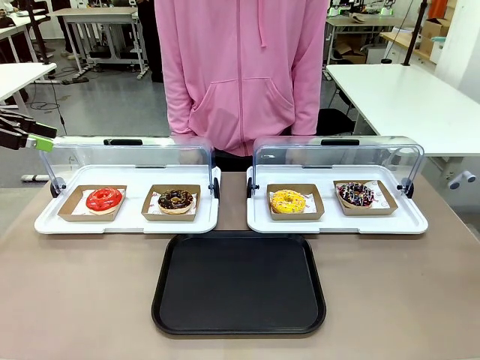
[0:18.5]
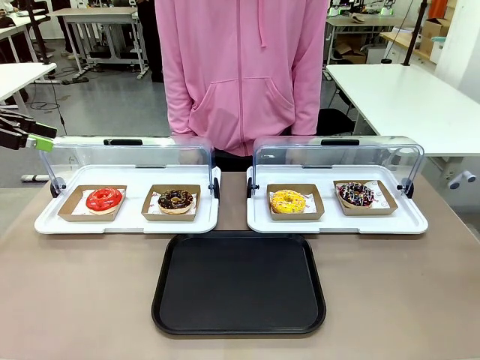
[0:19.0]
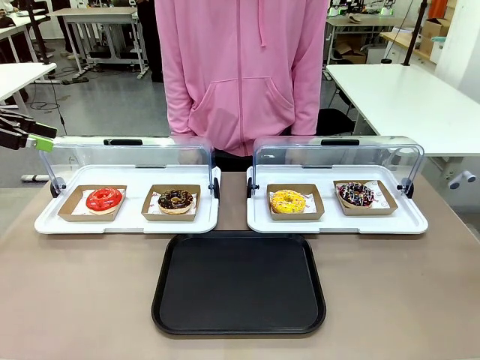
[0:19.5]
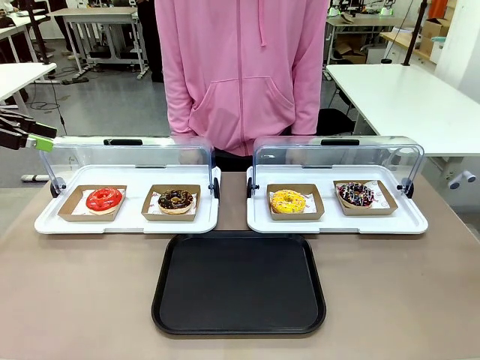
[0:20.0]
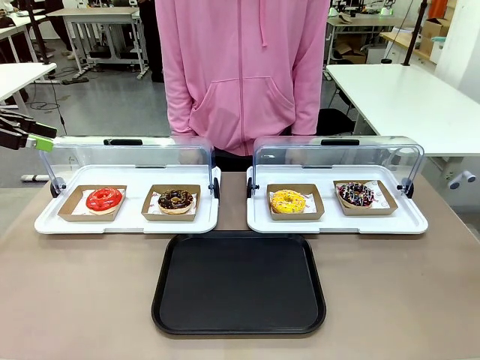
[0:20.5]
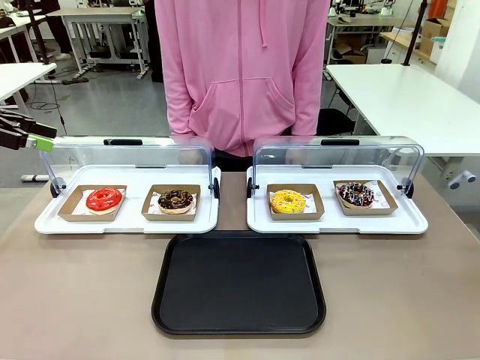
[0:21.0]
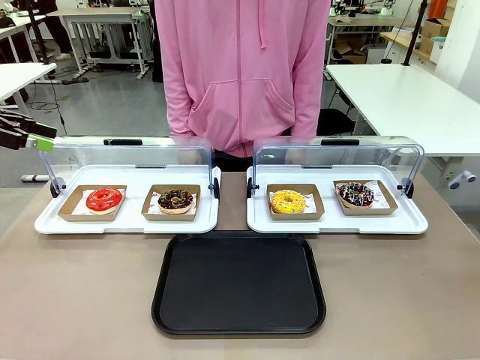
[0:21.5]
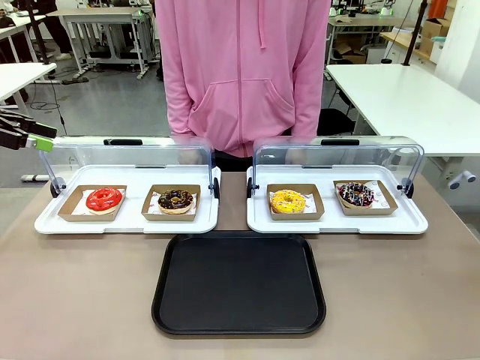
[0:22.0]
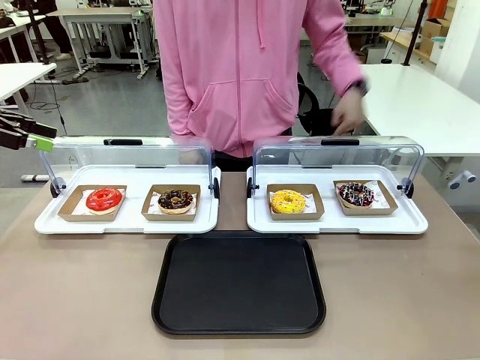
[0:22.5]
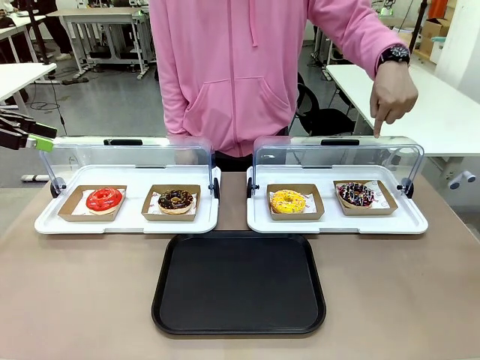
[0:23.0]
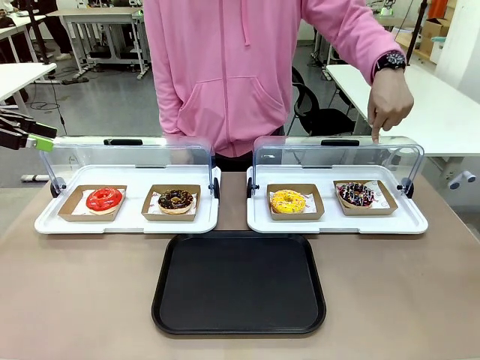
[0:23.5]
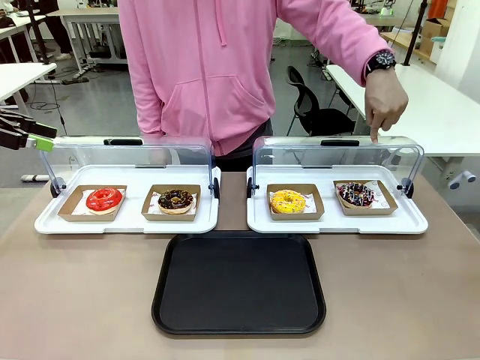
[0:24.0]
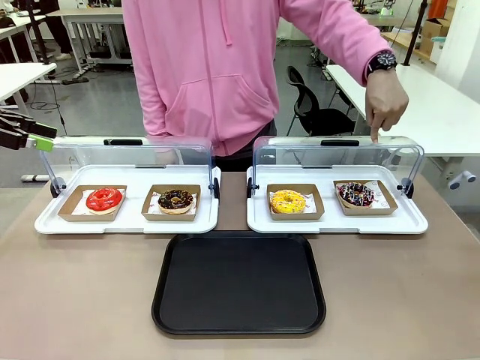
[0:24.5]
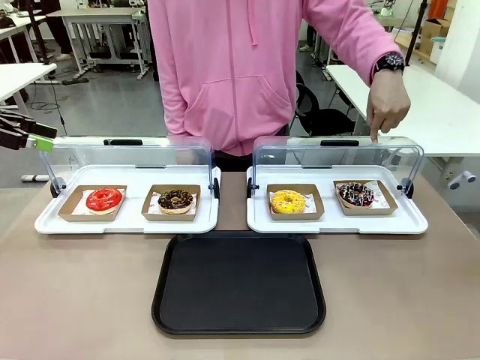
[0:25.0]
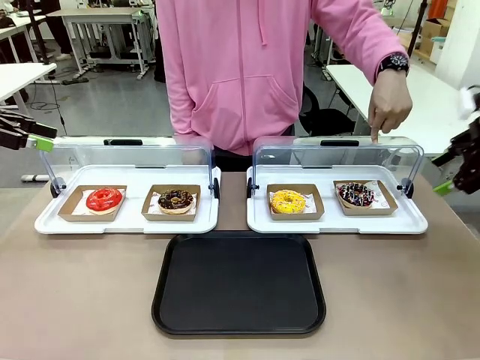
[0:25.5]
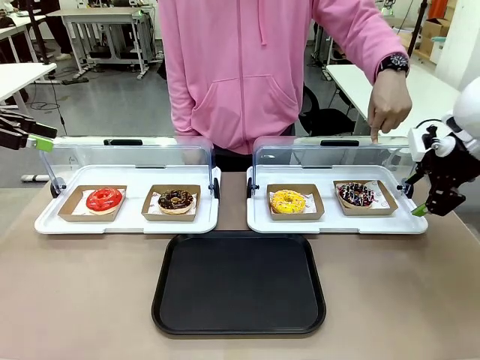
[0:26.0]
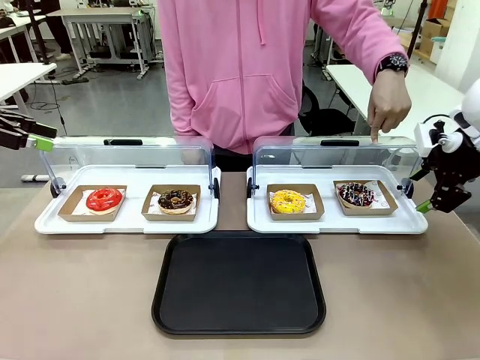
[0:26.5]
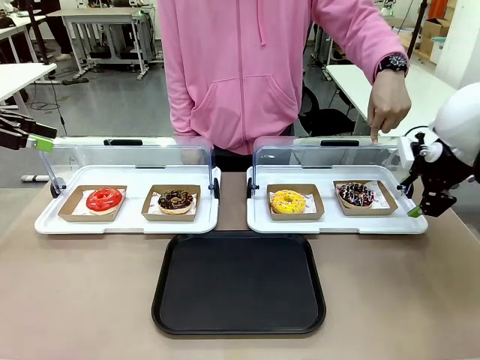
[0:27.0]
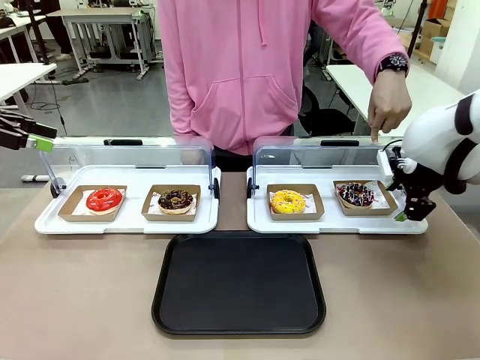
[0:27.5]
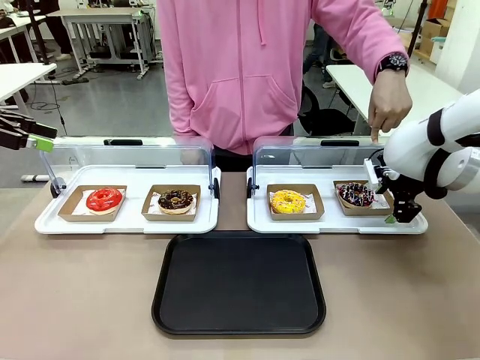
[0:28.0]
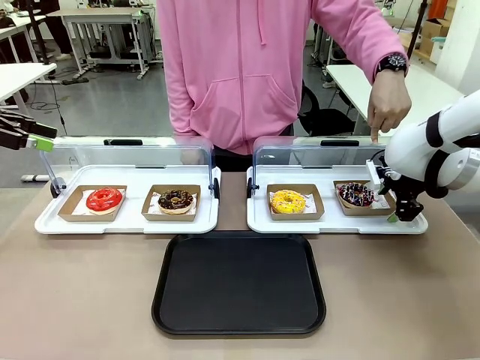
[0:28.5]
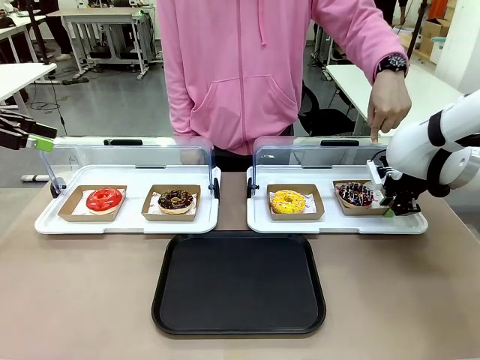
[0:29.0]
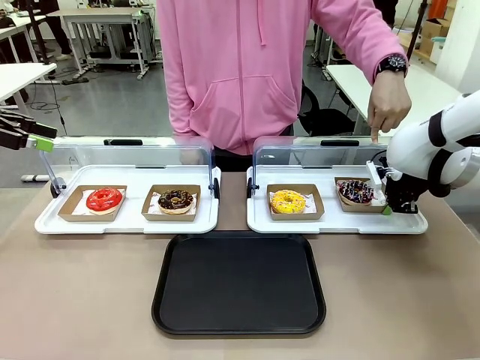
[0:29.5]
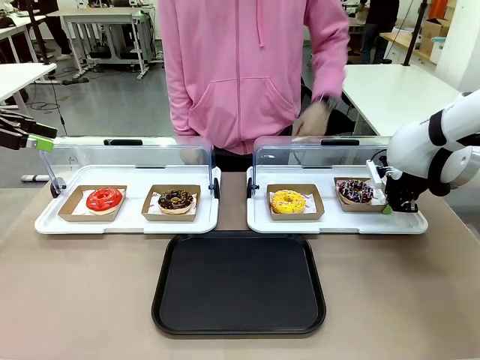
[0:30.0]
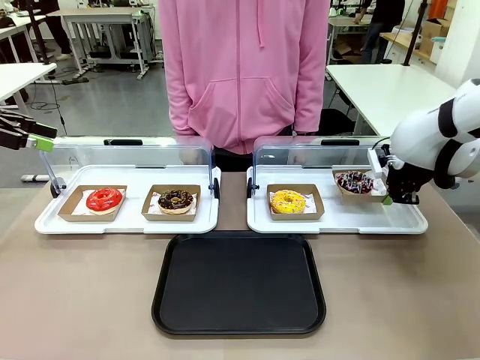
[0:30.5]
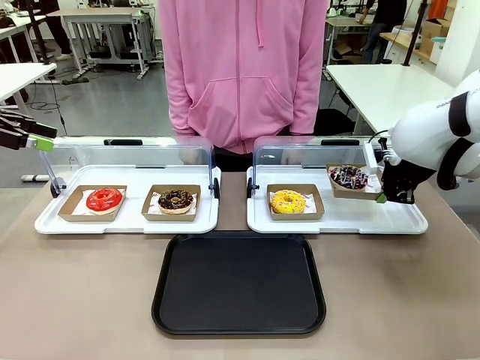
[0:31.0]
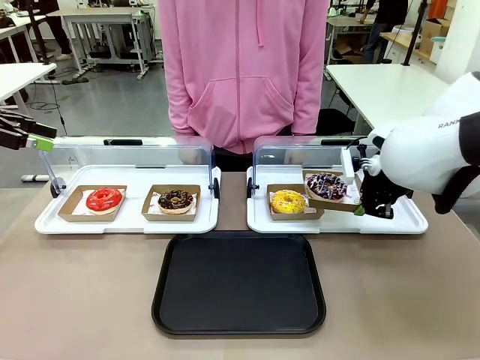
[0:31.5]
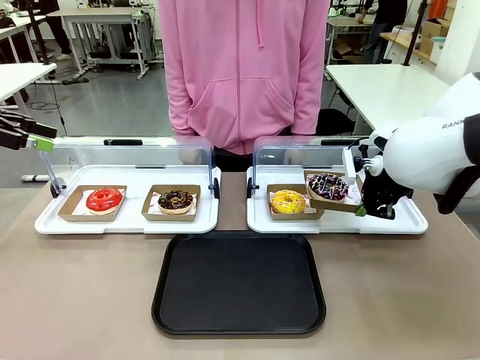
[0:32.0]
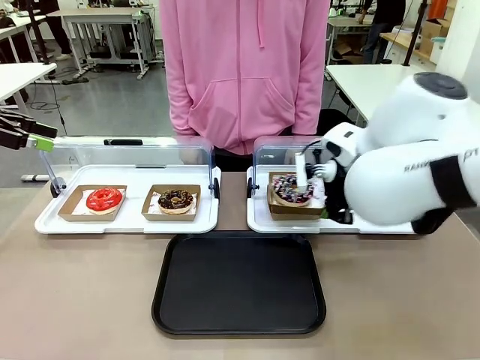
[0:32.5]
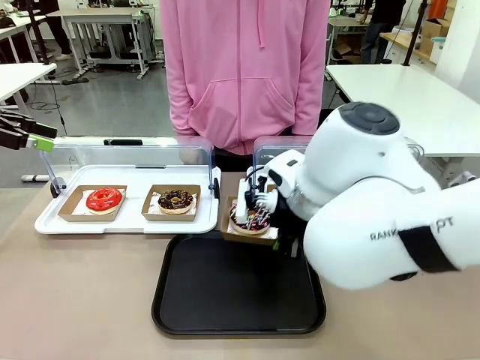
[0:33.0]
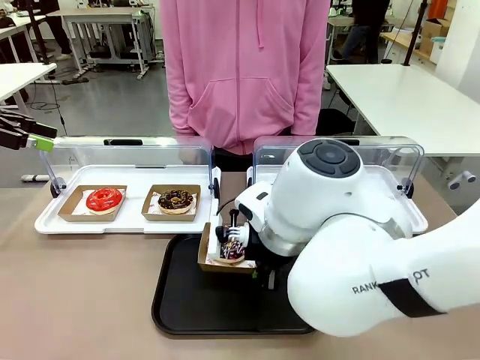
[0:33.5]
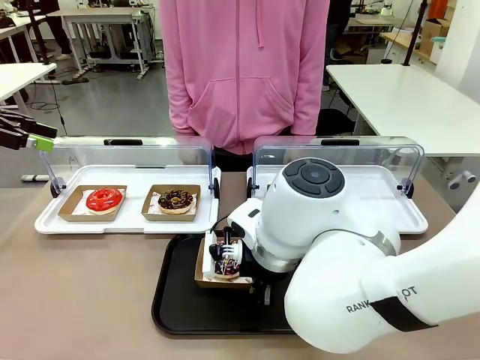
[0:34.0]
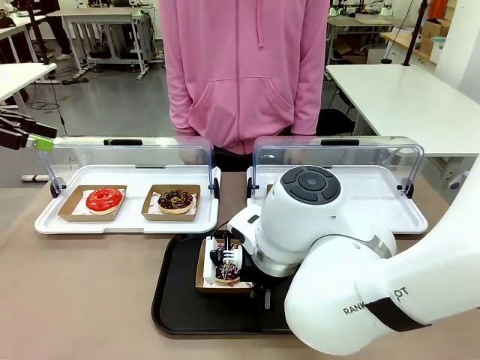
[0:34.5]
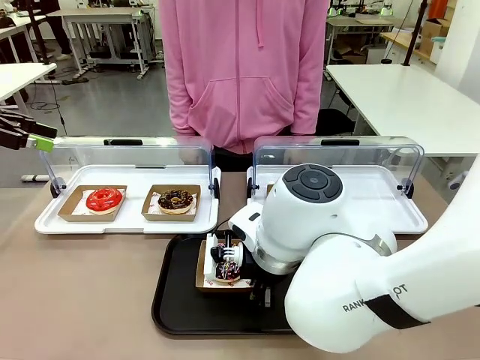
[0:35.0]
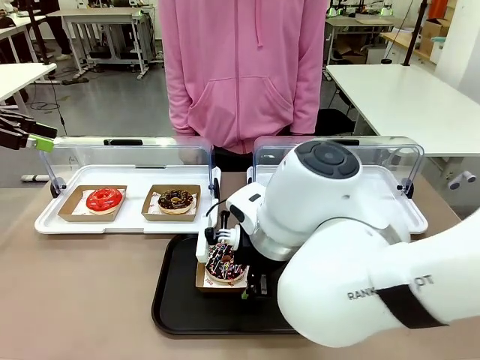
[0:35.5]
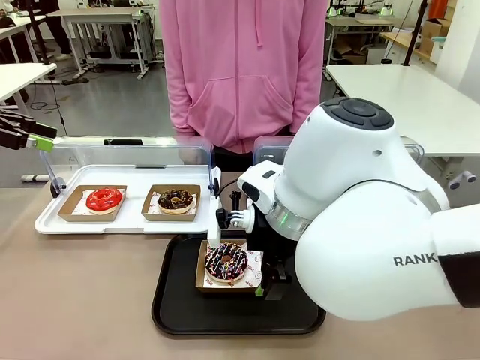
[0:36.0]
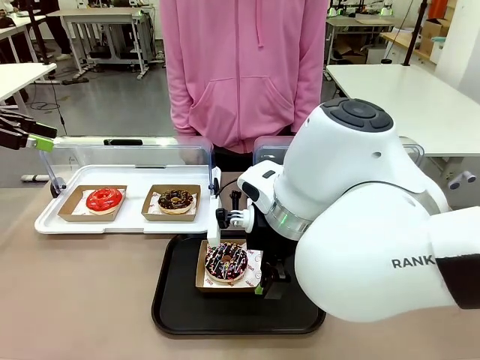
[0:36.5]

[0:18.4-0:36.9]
Task: Move the fourth donut from the left to the tray.
Robot: Pick up the Paper togo box containing the Donut indicated by the person and place it on the Handle tray.
Person: Points to the fourth donut from the left from the robot’s perspective.

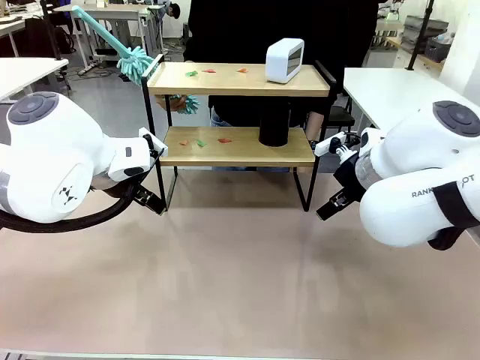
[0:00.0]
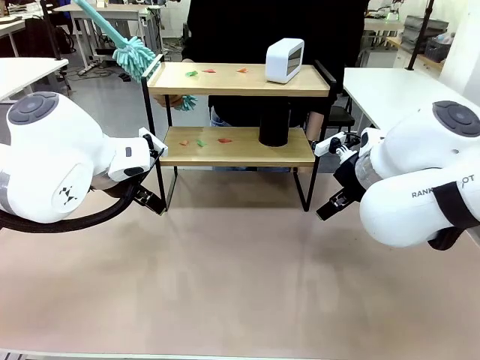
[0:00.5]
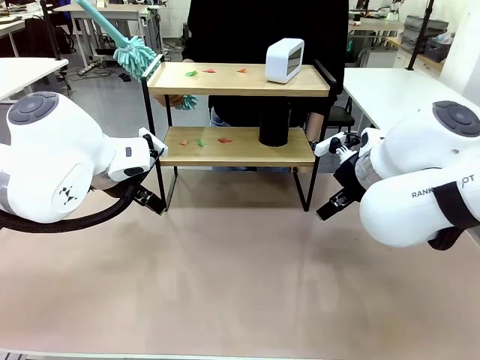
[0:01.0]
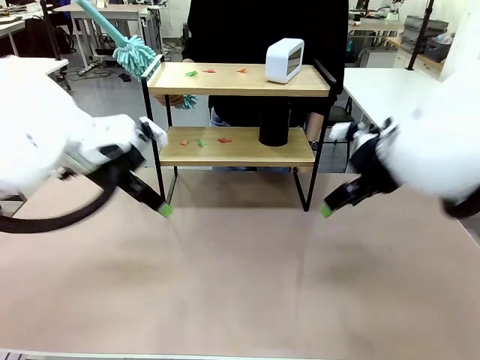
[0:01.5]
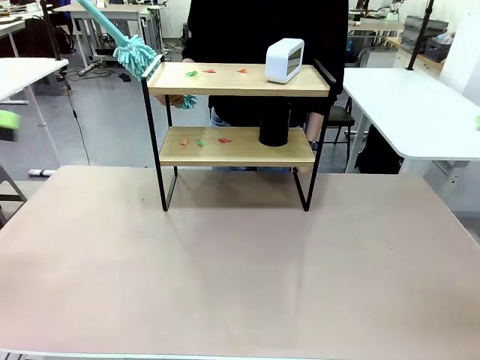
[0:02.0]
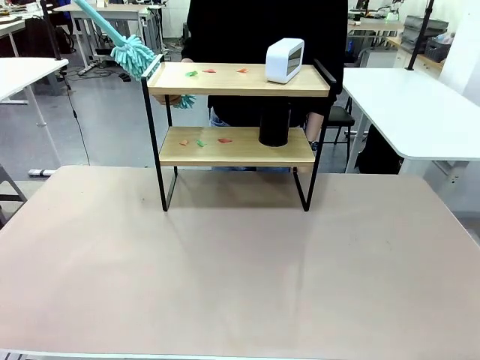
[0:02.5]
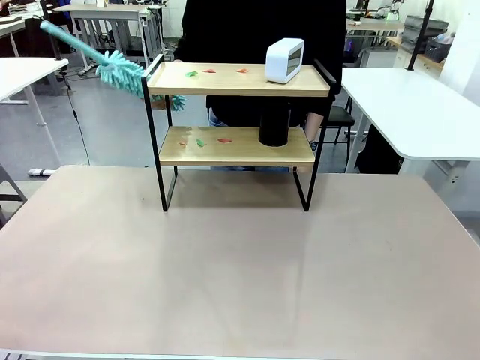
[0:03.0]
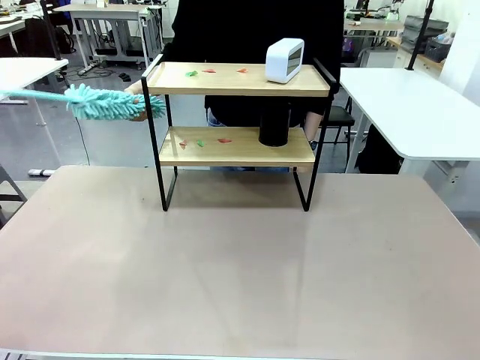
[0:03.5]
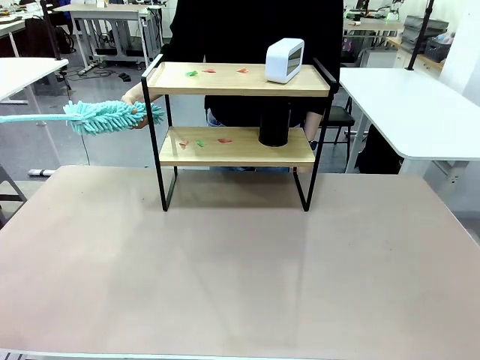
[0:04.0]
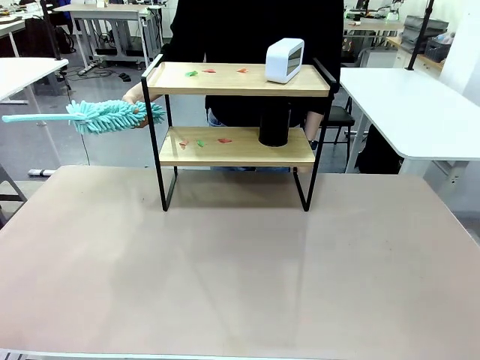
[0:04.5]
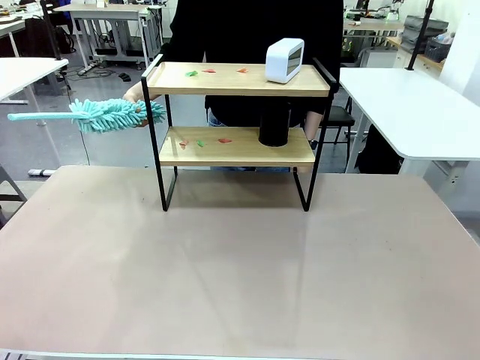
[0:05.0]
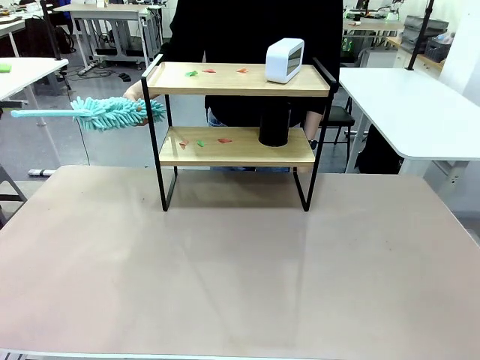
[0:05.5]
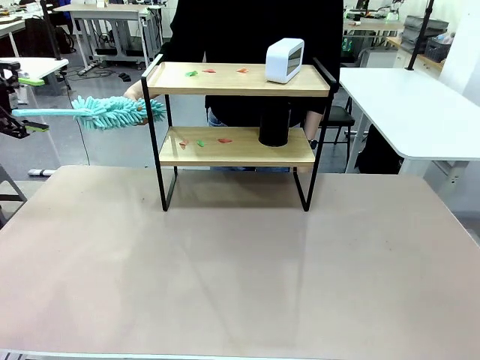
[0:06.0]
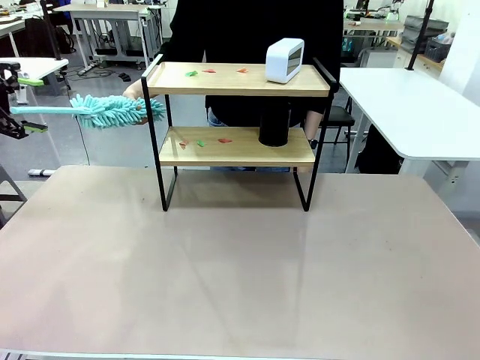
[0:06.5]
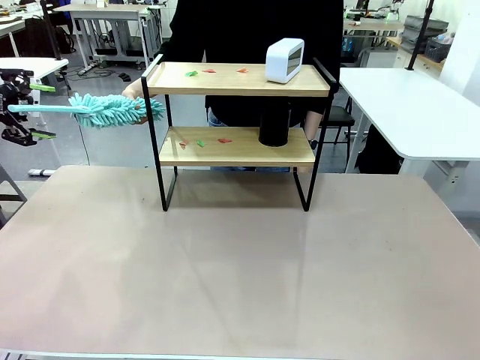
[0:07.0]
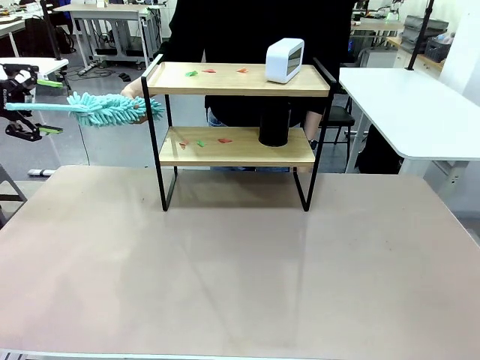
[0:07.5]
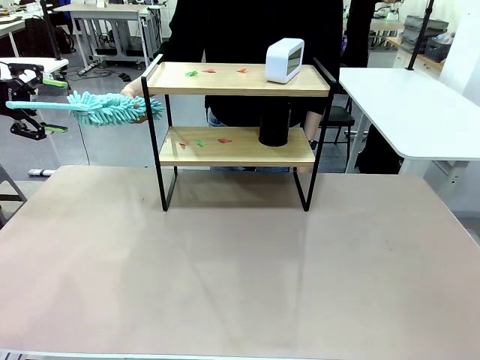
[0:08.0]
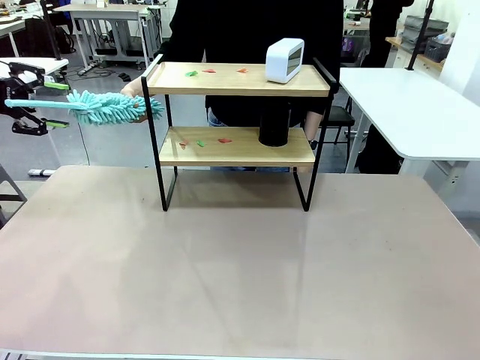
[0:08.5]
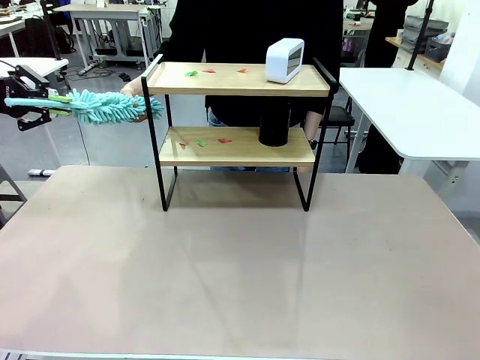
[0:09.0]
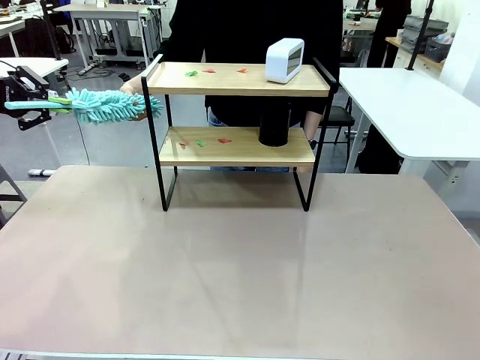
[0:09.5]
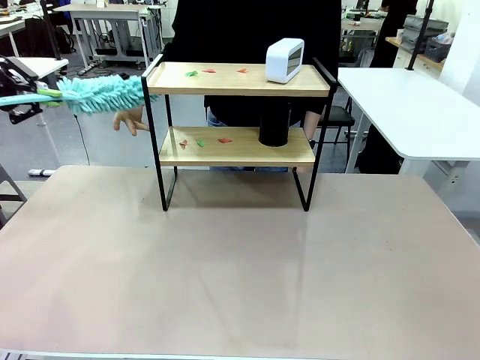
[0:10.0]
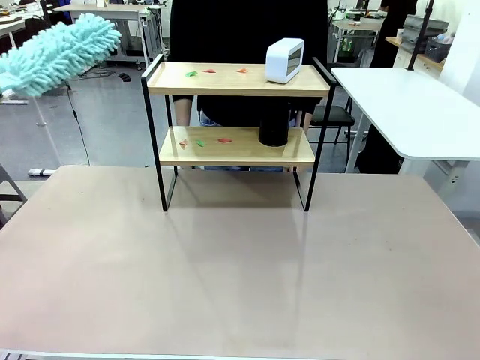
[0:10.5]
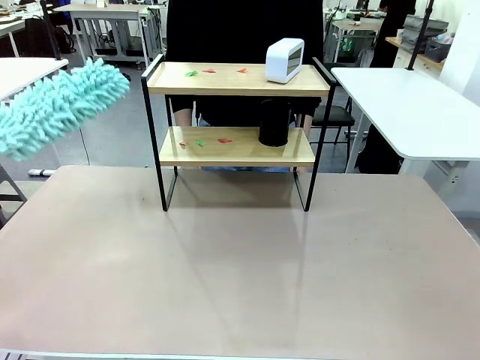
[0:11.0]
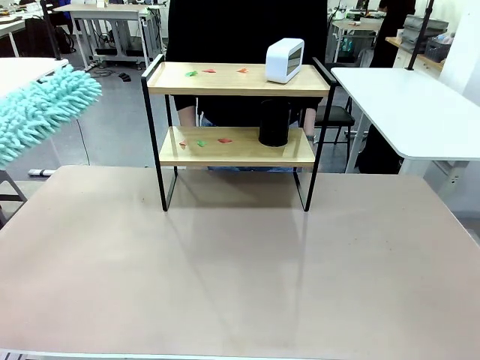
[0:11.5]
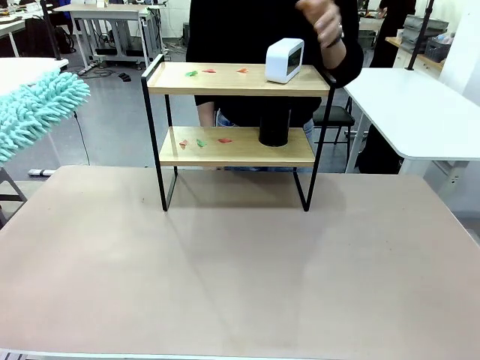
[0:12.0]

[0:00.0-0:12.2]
Task: Clean the shelf.
Robot: Pick up the Duster from the human.
Person: Hand the Duster to the robot.
